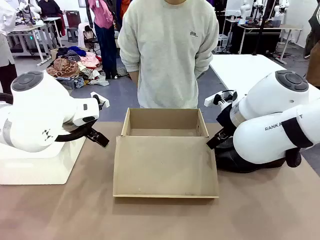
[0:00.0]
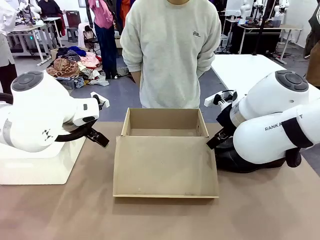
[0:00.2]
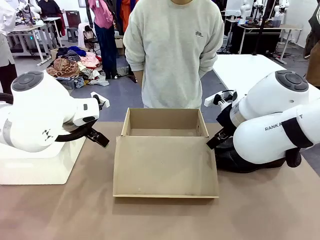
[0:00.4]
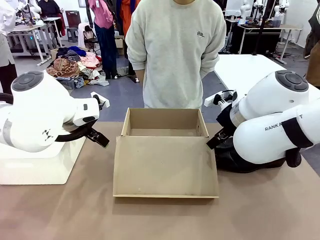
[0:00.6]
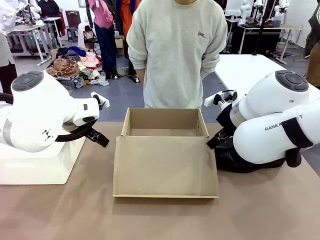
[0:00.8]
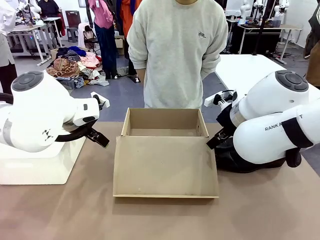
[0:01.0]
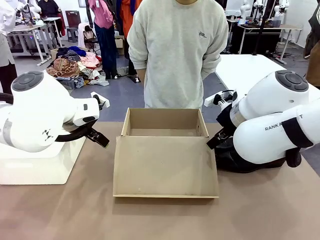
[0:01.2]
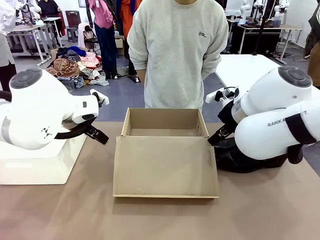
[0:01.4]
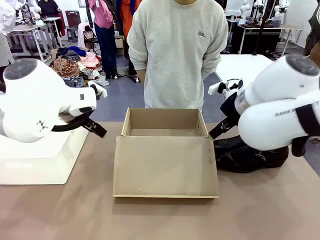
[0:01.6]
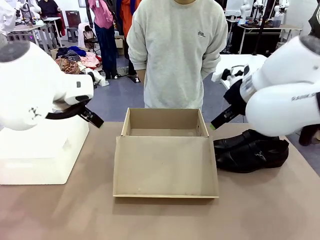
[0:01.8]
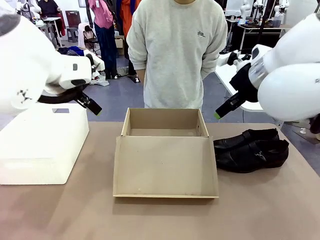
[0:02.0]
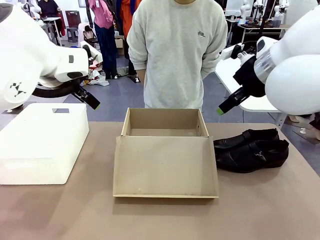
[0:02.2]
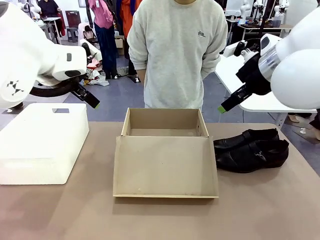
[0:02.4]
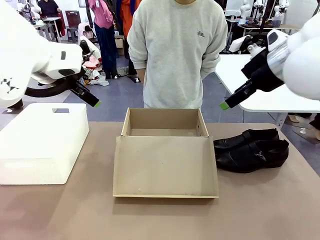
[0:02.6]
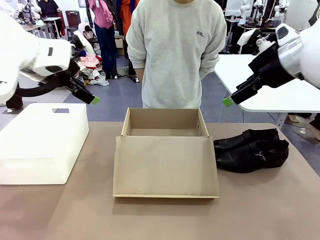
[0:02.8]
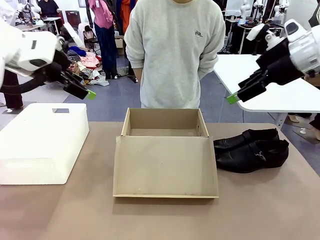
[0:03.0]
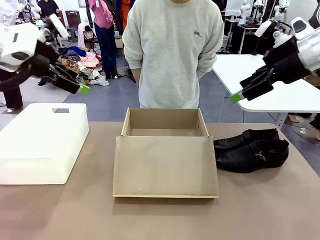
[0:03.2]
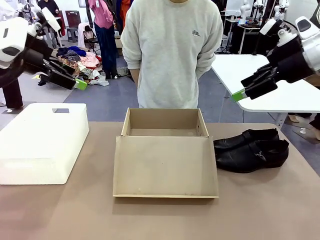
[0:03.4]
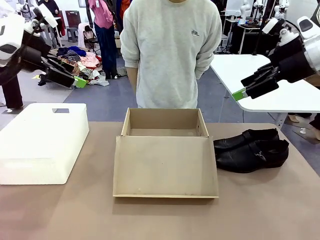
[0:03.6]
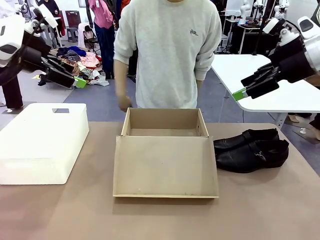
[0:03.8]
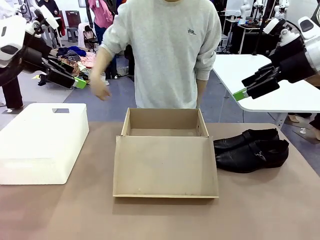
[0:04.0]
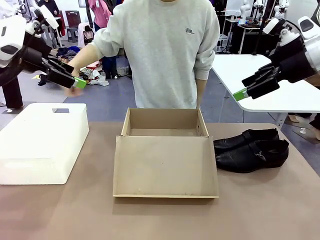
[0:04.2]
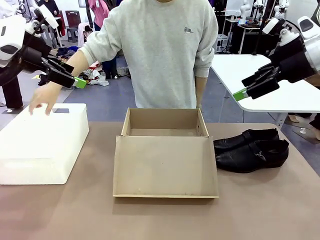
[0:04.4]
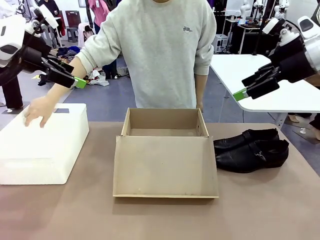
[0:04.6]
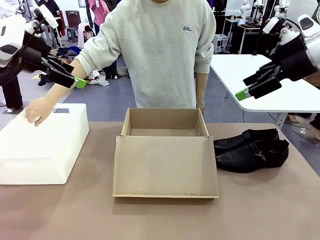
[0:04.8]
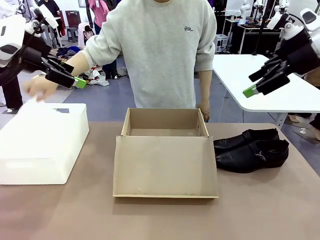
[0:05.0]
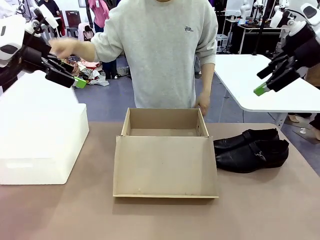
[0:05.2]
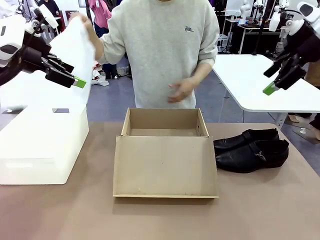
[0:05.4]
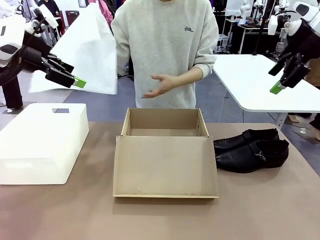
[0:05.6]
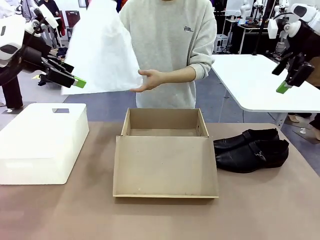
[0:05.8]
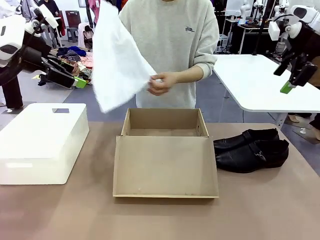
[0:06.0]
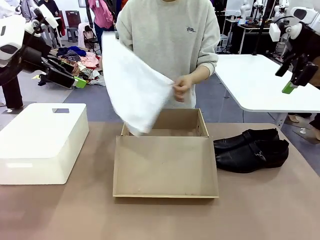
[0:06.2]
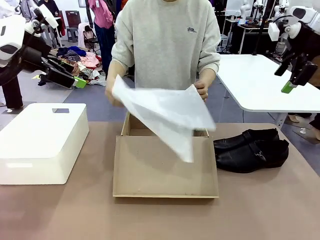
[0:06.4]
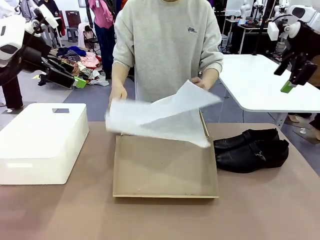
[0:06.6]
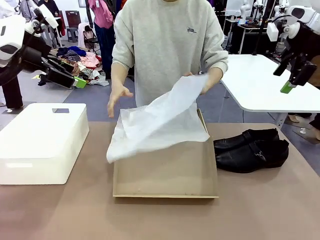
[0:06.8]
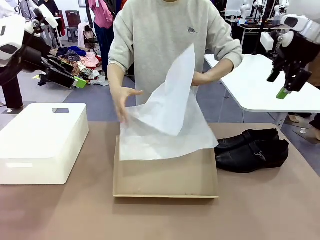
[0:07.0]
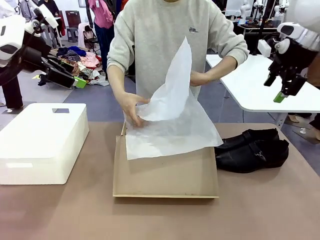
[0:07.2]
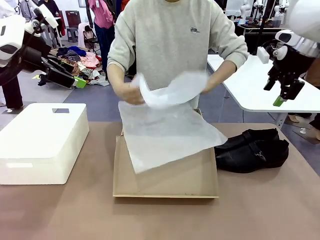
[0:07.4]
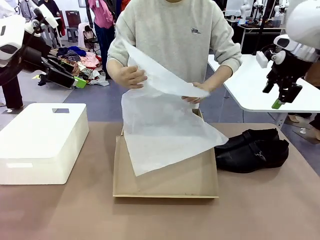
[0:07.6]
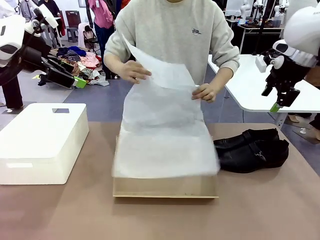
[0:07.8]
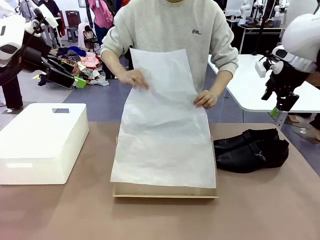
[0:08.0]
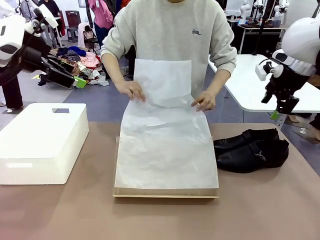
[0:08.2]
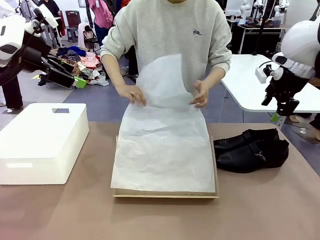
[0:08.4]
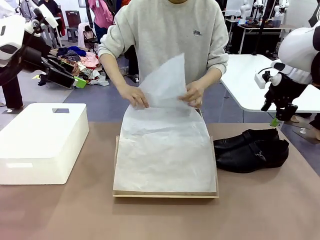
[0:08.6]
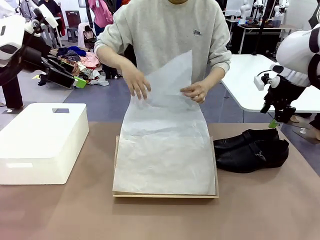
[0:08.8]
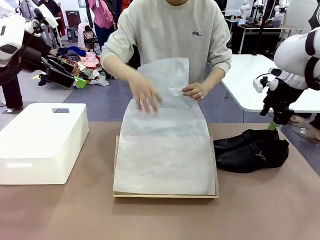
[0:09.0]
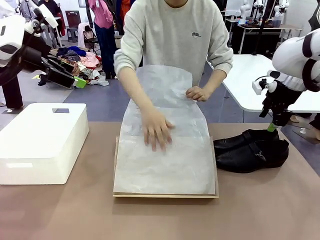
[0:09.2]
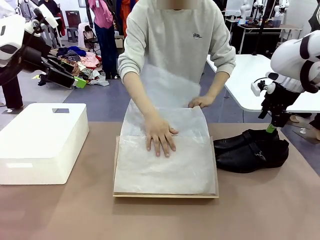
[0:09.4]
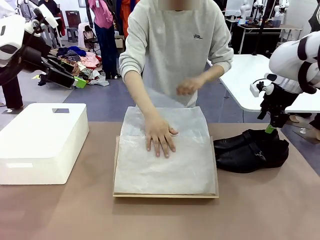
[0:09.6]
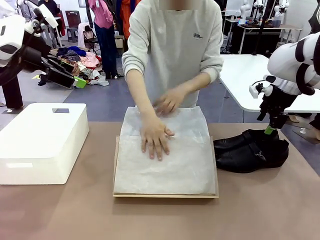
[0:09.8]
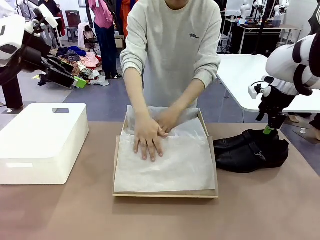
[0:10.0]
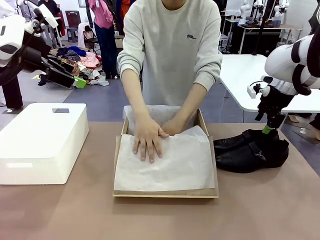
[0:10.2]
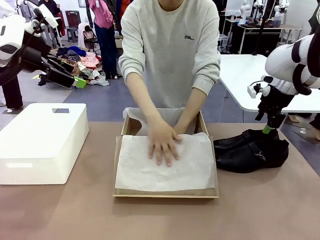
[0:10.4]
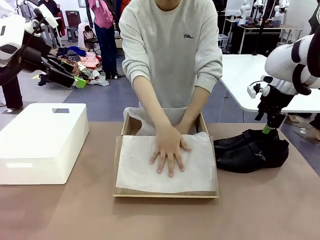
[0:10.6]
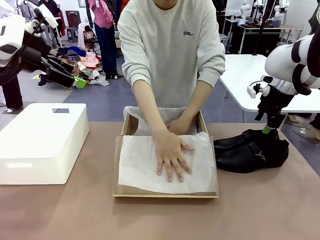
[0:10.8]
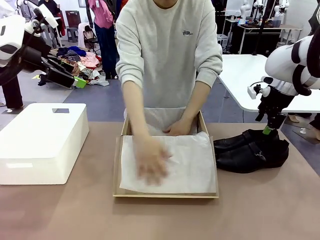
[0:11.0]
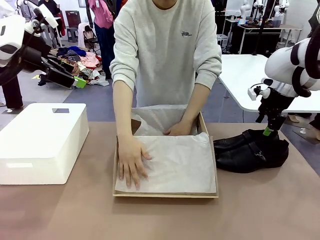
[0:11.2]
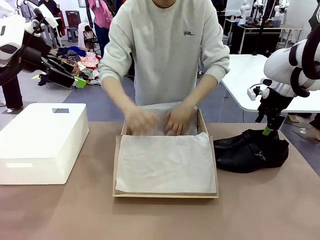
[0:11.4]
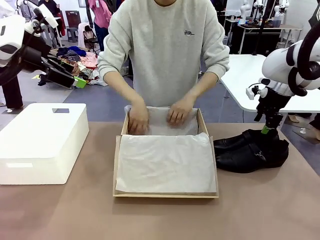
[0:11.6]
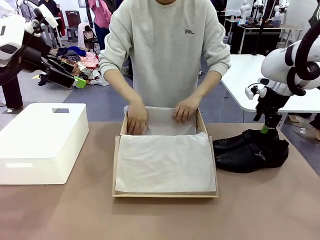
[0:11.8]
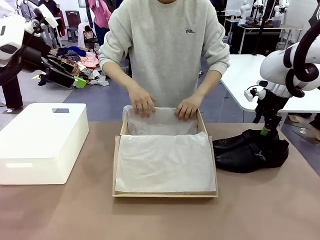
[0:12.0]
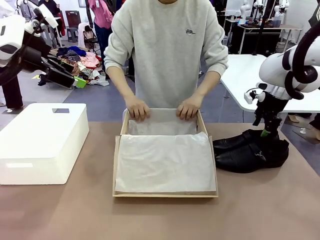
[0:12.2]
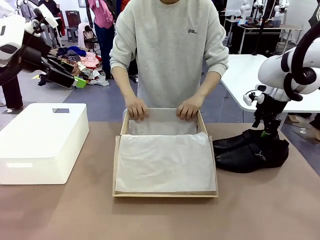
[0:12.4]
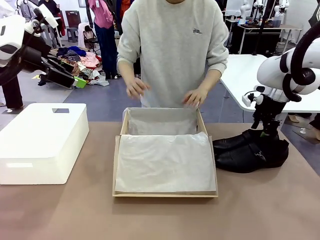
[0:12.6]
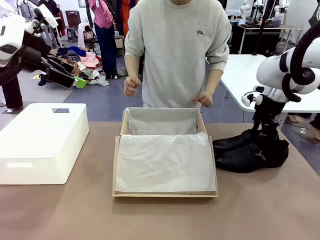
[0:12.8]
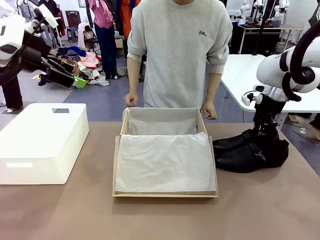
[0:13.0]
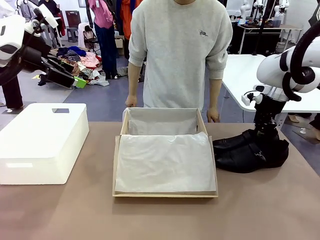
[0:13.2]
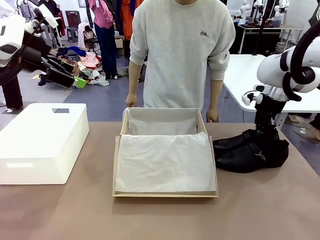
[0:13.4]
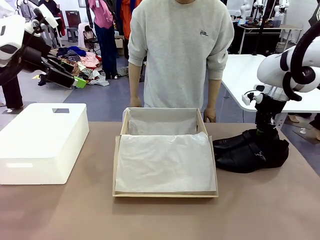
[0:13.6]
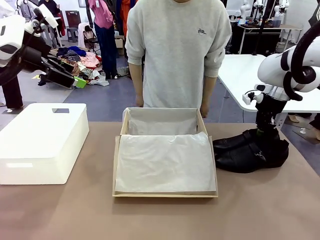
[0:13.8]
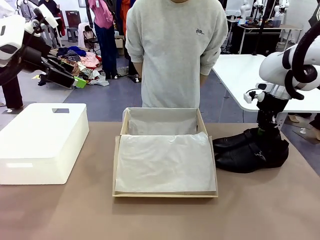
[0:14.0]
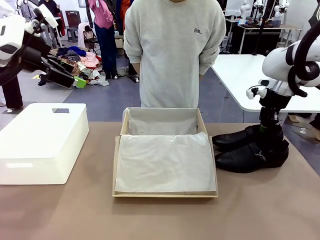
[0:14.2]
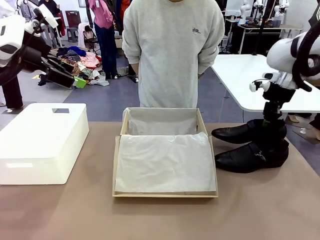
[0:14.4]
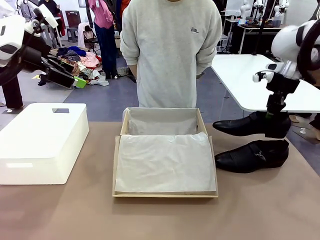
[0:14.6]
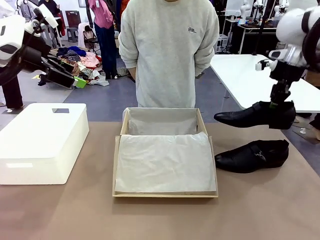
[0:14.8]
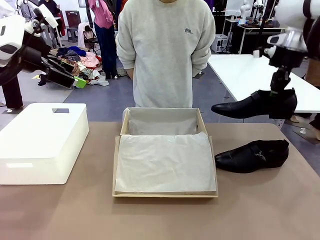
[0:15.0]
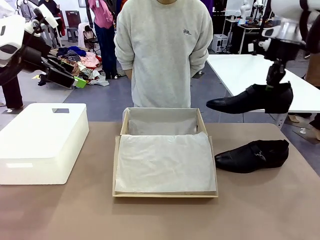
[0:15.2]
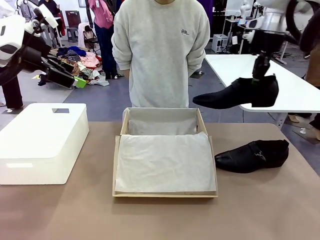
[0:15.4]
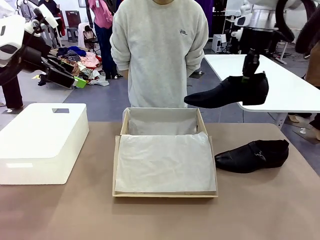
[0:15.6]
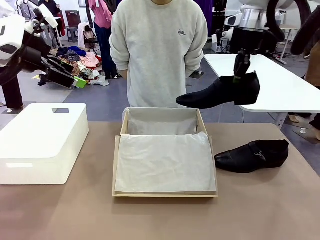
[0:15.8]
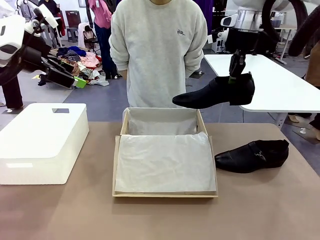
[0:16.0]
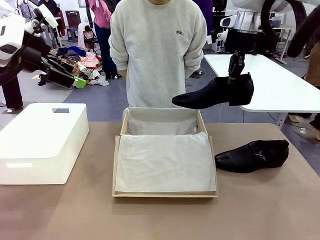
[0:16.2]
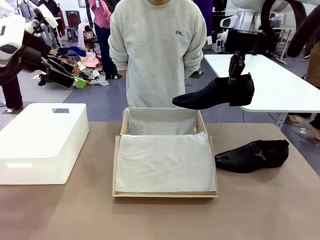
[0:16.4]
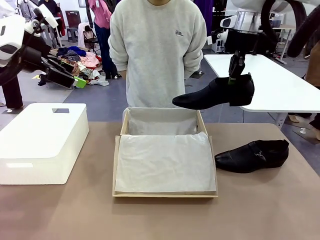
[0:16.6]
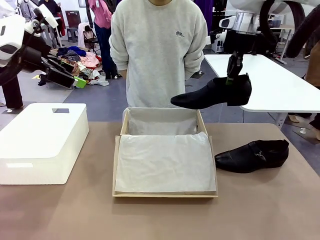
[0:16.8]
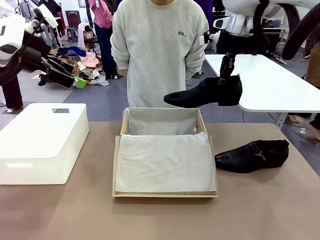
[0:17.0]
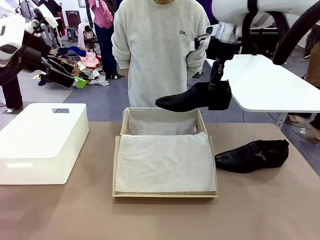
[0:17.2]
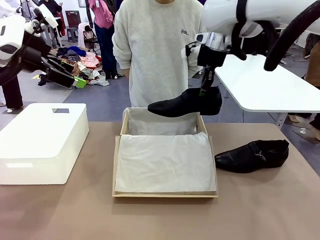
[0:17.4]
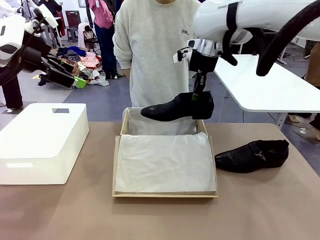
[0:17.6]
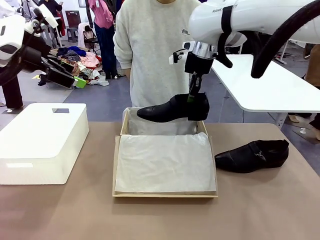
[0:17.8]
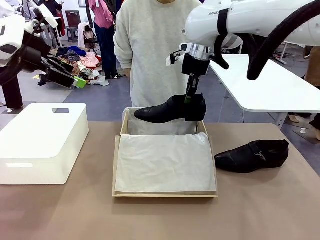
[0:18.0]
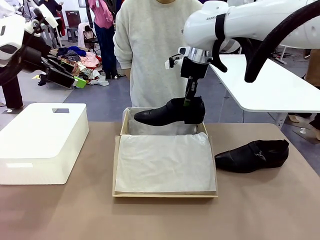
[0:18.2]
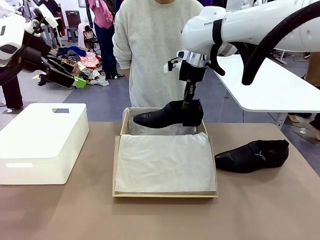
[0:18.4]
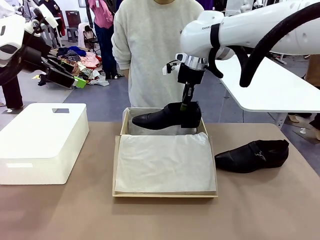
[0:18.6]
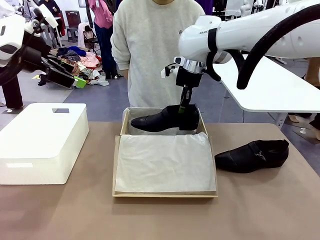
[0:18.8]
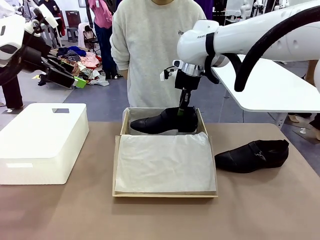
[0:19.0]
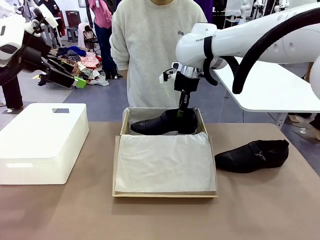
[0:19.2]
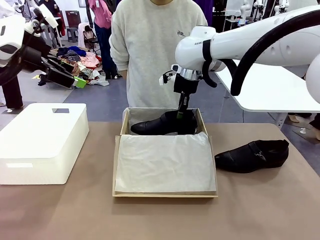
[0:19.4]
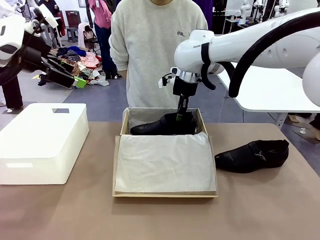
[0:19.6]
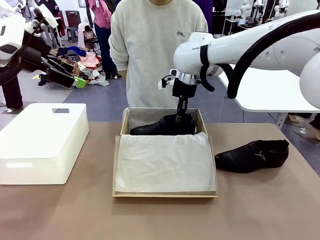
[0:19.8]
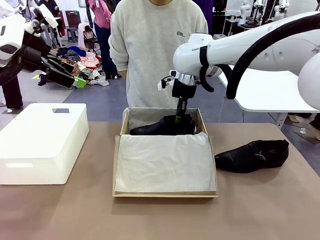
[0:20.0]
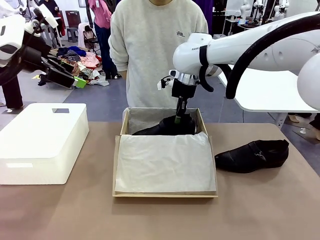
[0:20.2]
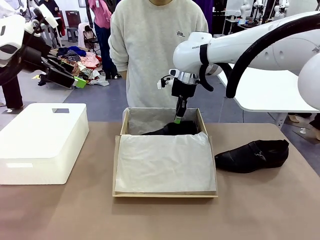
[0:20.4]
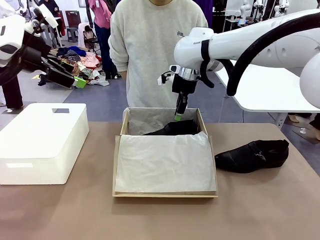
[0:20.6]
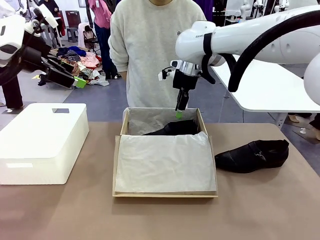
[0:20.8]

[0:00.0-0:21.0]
Task: Pack the shoes into the box.
Robot: Place one shoe of the Shoes into the Shoes Box.
Person: Spread Shoes Wrapping Paper and place inside the Shoes Box.
